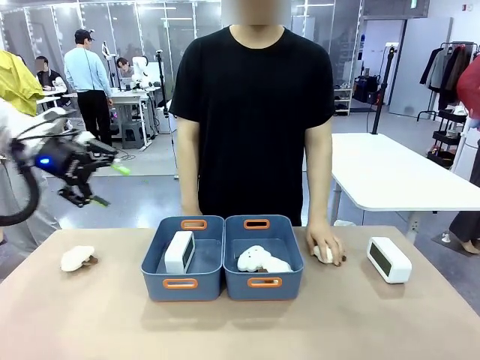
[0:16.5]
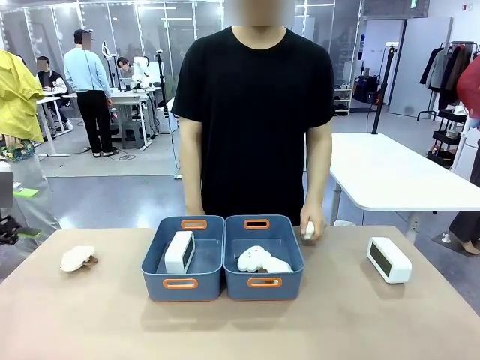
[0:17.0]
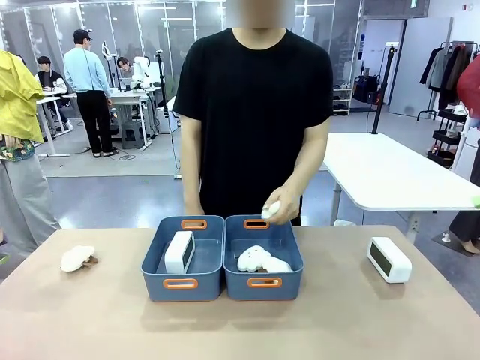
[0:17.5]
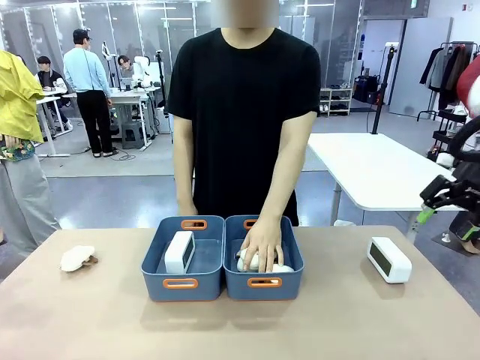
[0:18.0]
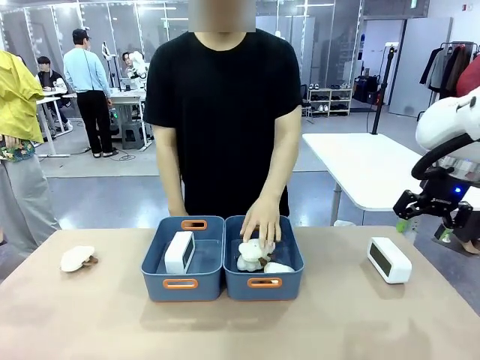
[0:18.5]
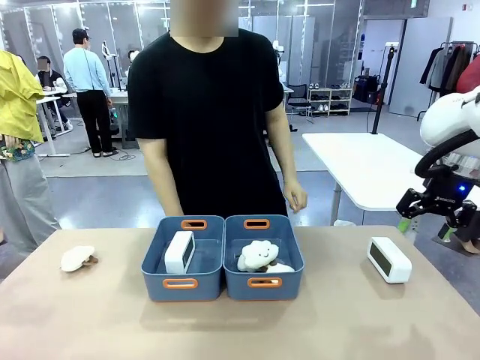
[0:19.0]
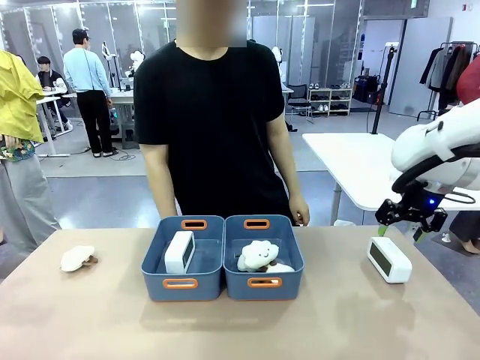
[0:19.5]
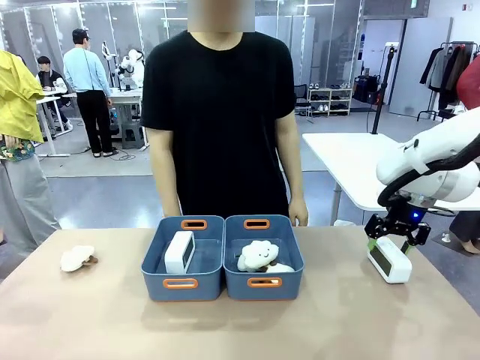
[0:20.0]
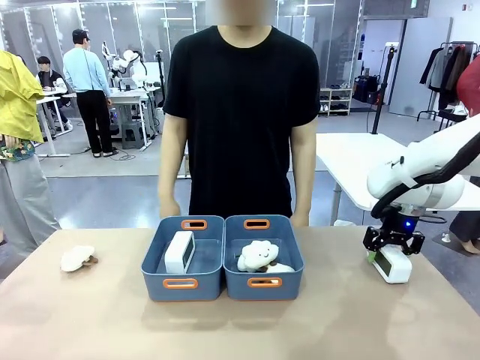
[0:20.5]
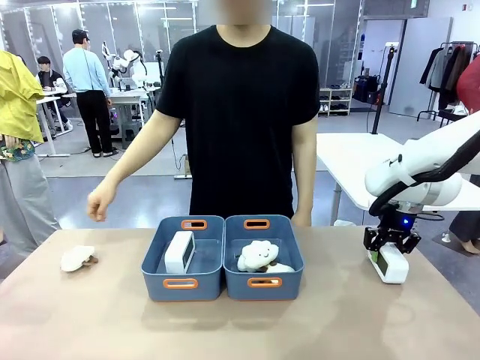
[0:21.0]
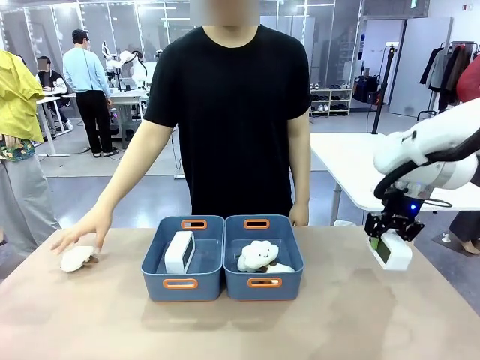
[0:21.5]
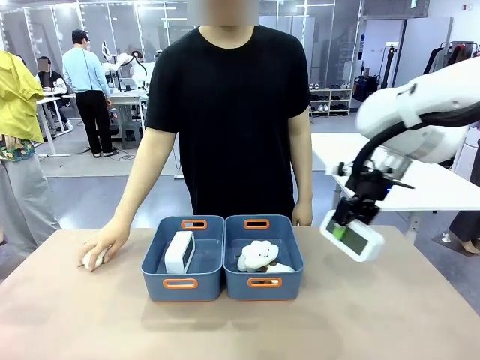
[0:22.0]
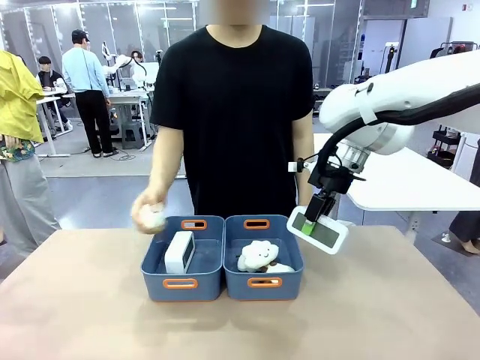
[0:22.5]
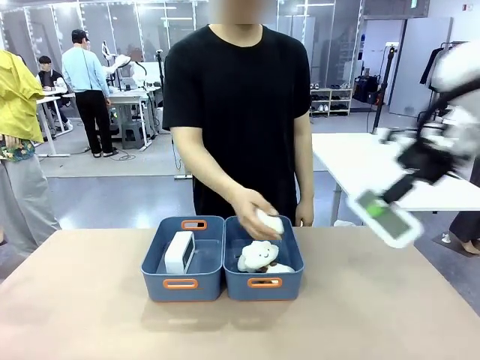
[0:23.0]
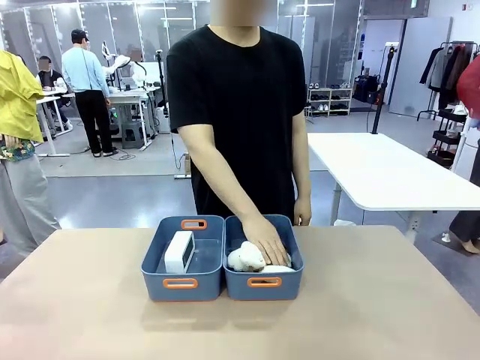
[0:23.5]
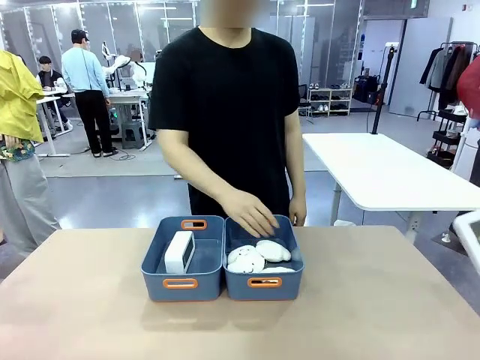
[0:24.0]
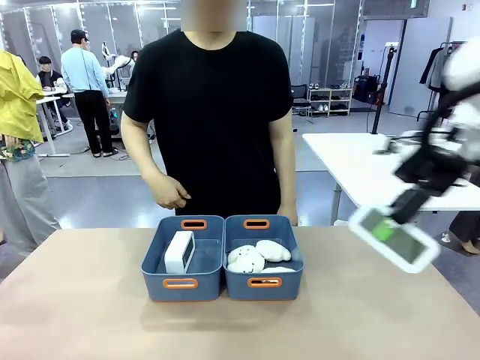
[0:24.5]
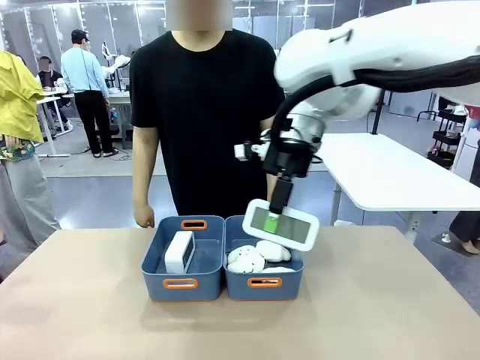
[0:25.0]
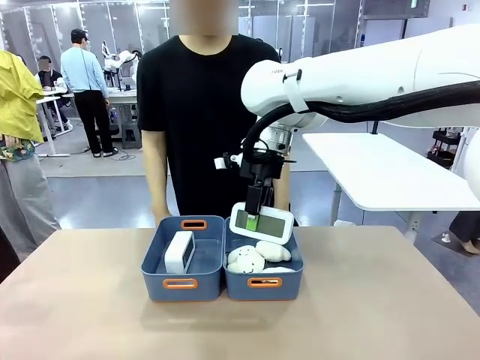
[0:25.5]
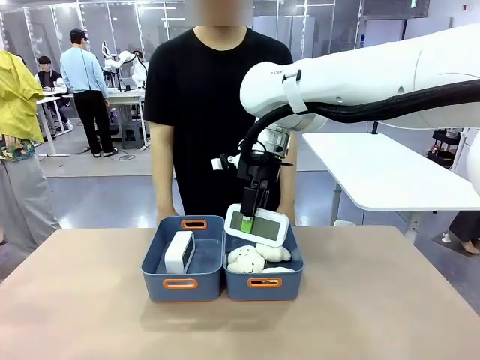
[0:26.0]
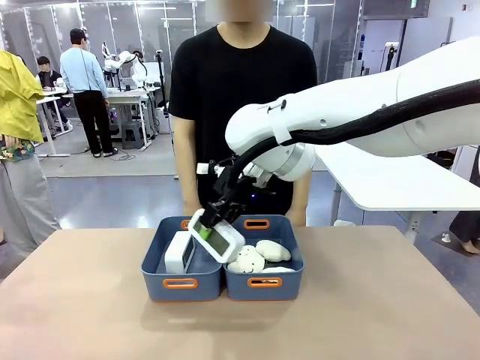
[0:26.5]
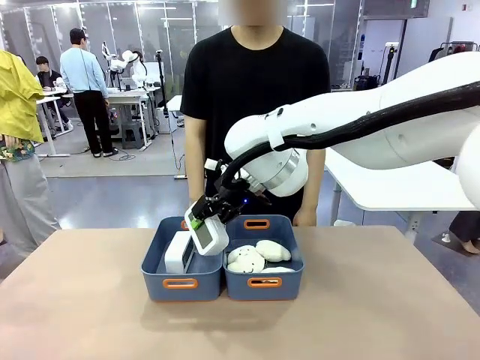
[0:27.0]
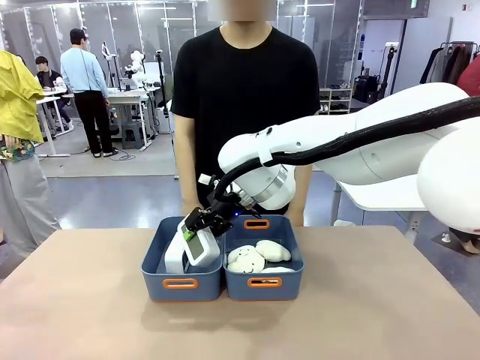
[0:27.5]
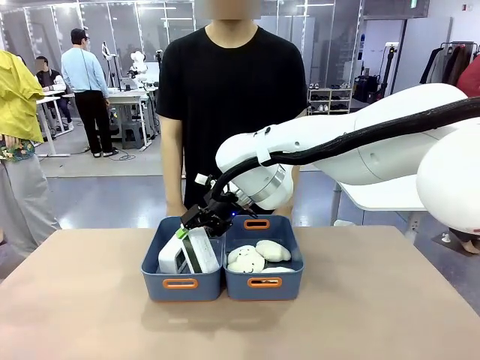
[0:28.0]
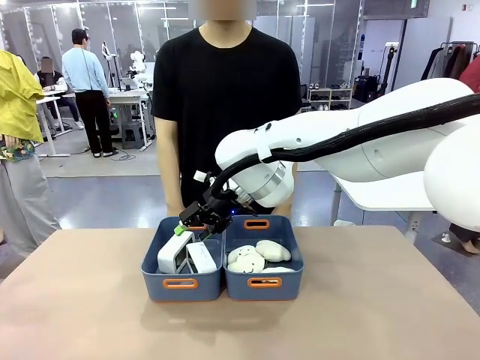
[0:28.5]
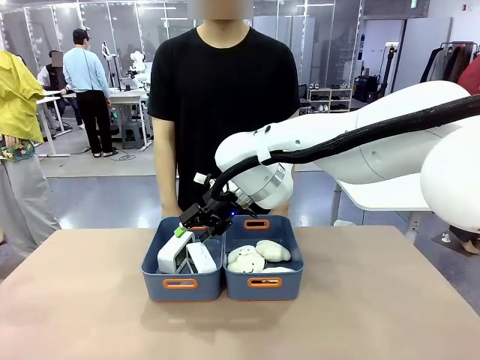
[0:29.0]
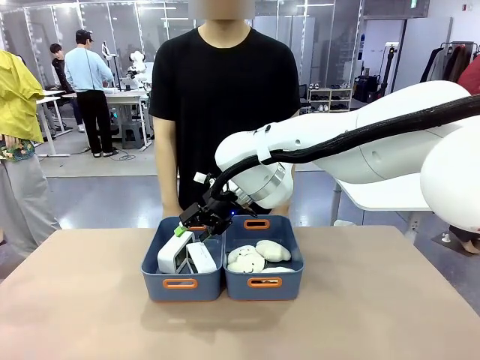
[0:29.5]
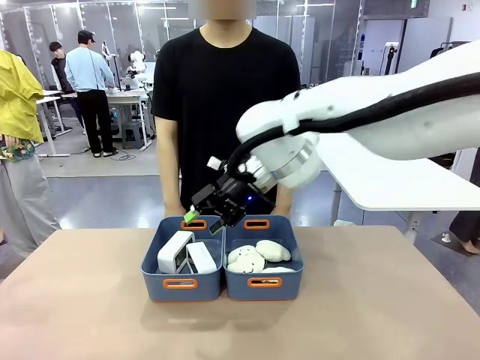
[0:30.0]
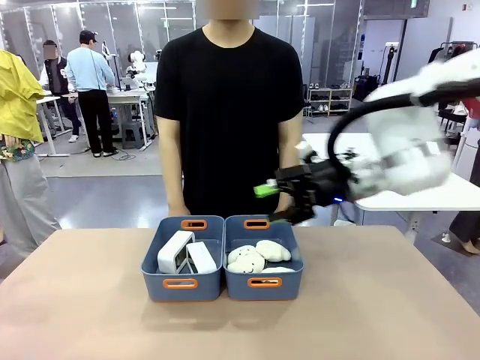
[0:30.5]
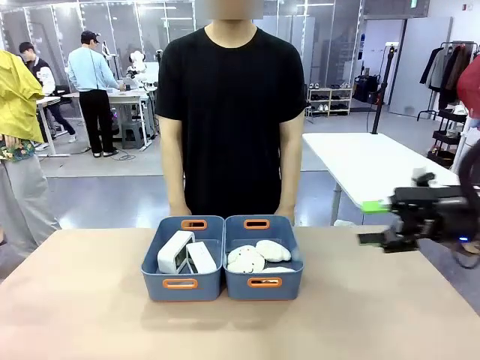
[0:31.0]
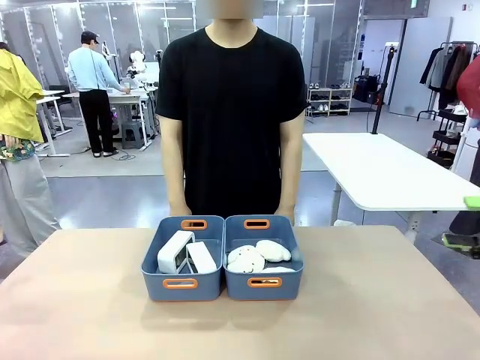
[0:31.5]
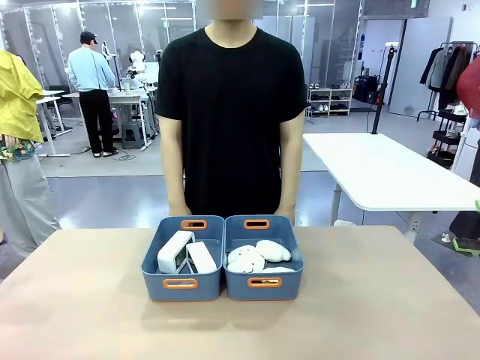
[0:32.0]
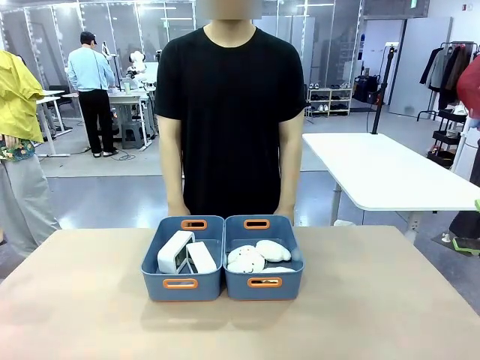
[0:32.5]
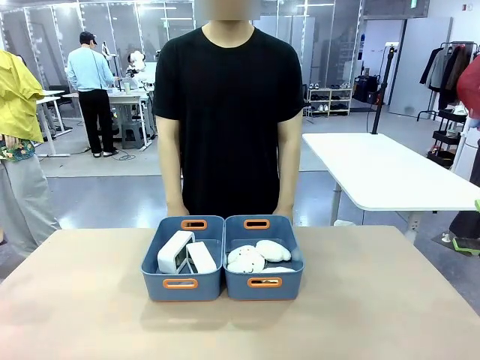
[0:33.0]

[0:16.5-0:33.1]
Task: Sort the digital clocks into the basket.
Robot: Pick up the Digital clock from the table and place it into the empty Plastic storage basket.
Person: Pick up a plush toy from the table and place it in the plastic storage basket containing the plush toy.

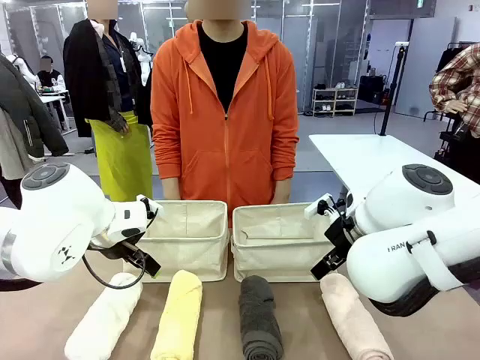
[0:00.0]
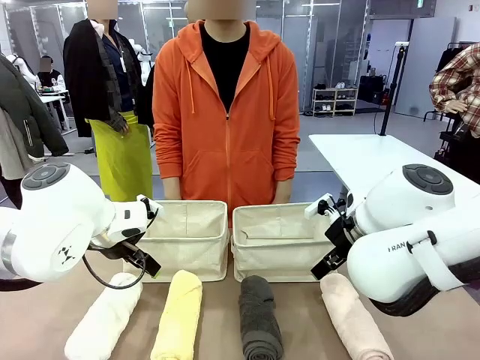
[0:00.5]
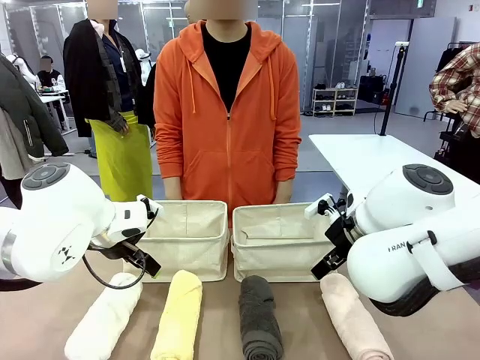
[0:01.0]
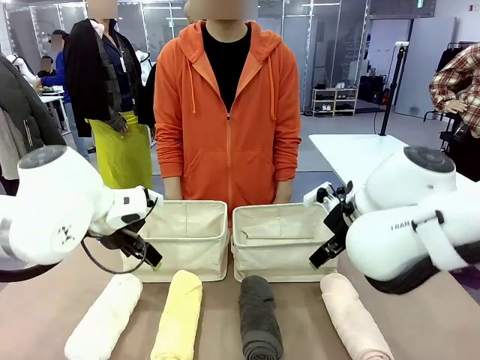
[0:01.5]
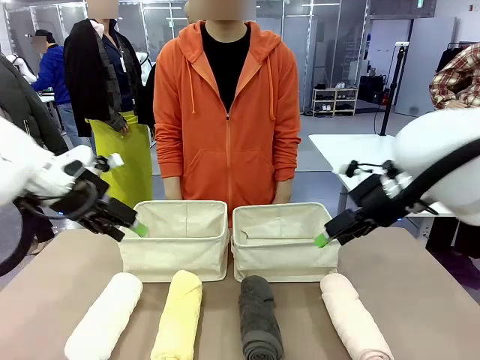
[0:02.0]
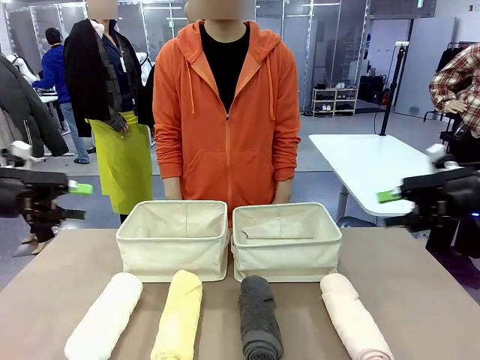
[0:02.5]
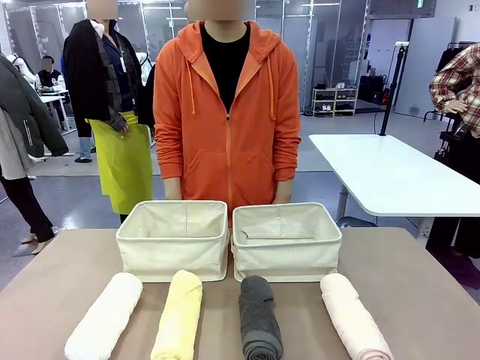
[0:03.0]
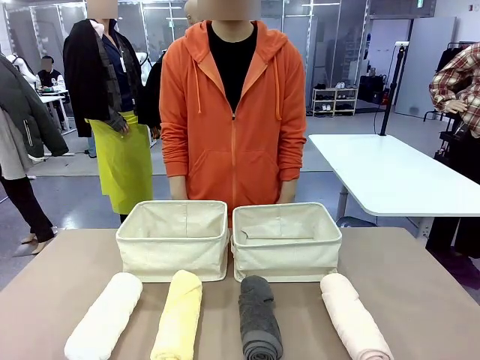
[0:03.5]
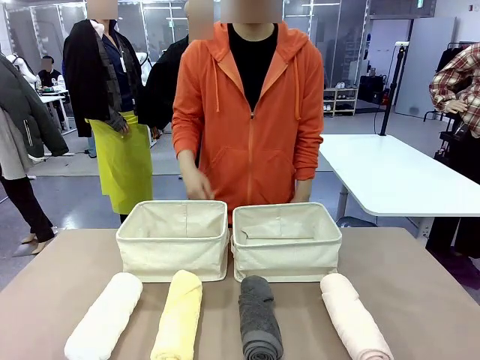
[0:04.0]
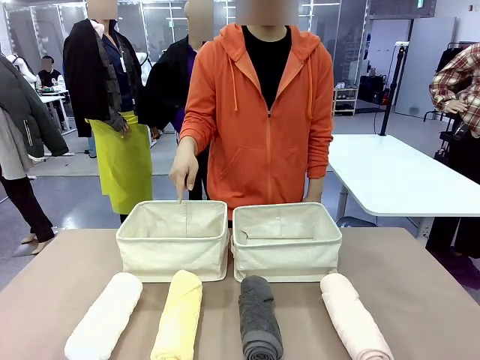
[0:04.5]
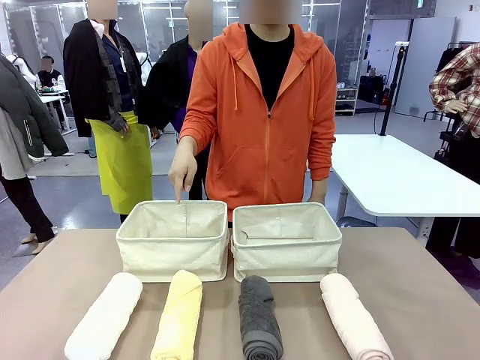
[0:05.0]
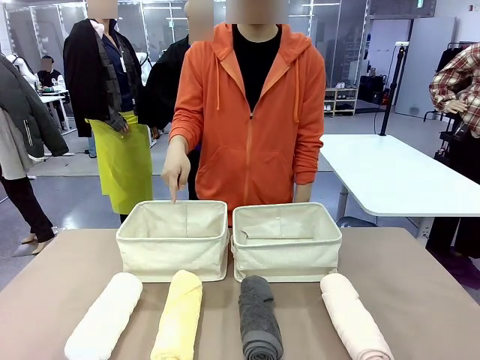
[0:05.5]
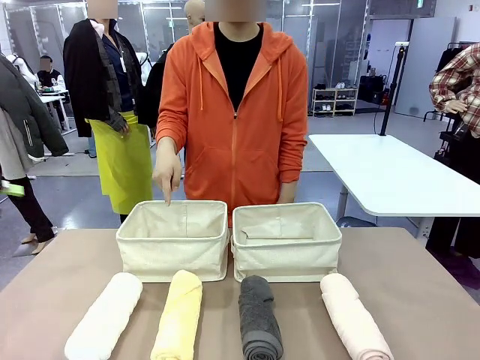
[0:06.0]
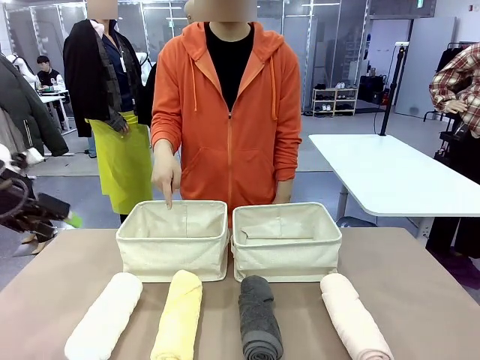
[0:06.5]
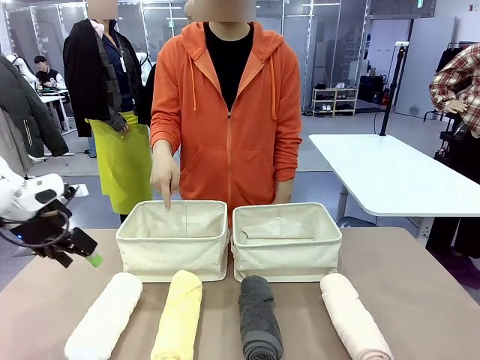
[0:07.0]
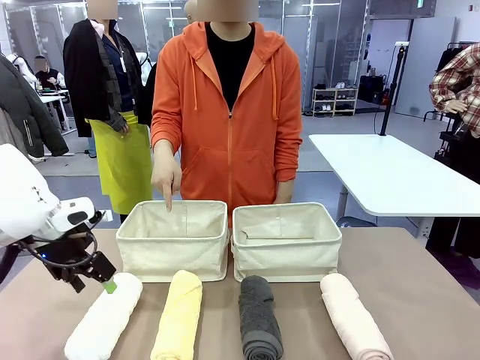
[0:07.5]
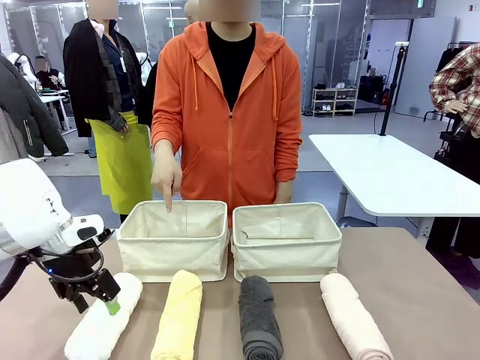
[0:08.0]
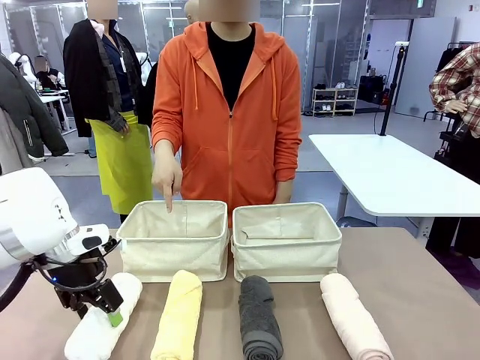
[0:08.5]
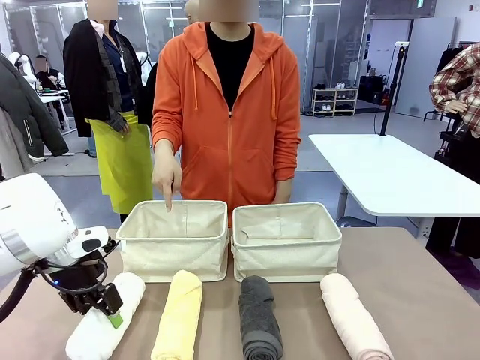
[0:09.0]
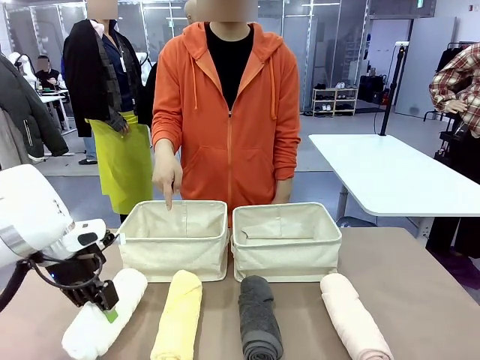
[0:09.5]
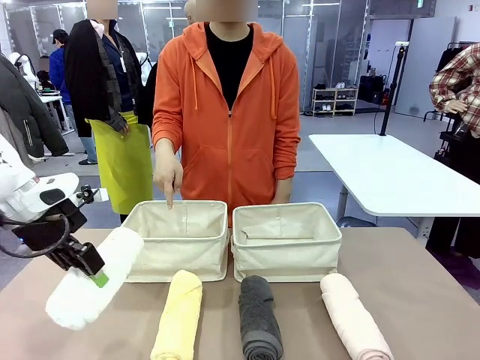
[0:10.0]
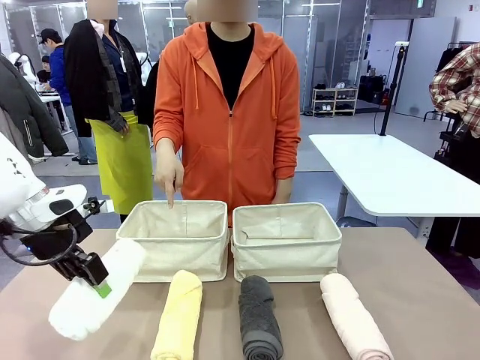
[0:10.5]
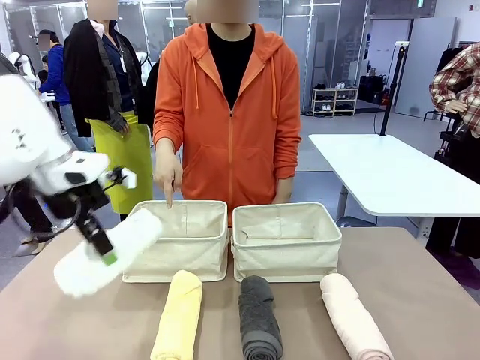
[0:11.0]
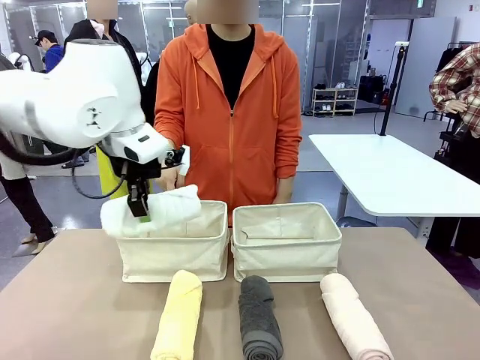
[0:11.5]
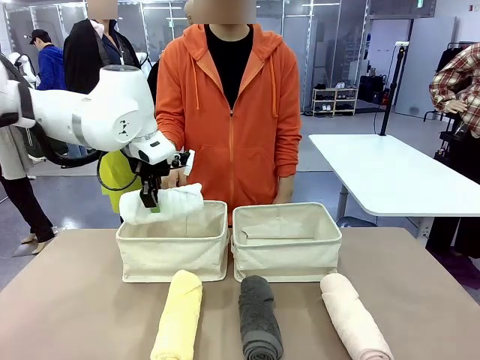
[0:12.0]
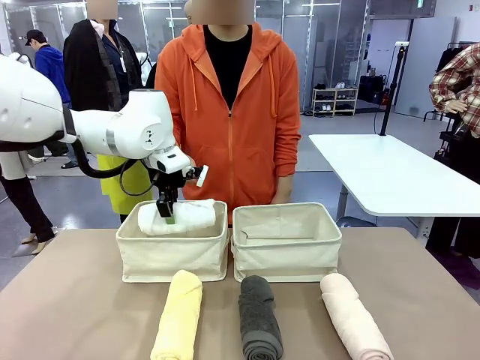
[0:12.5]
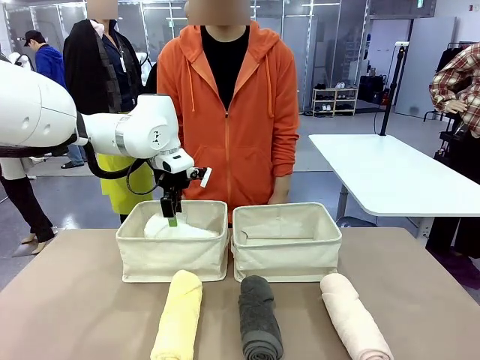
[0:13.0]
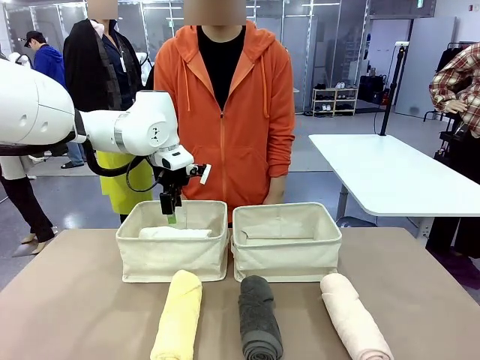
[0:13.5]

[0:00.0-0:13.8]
Task: Divide the towels into two baskets.
Robot: Pick up one hotel-folded towel and place it in the Fabric basket indicated by the person.
